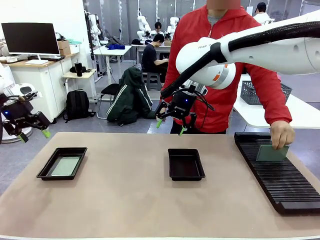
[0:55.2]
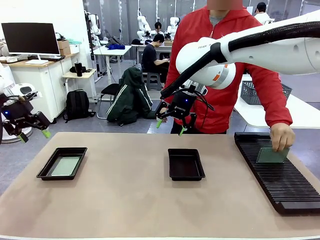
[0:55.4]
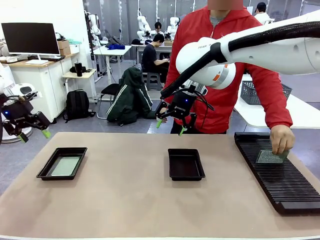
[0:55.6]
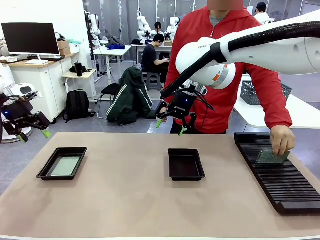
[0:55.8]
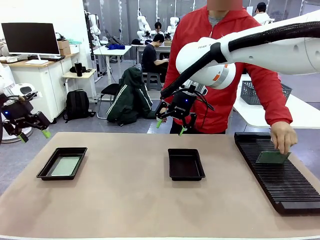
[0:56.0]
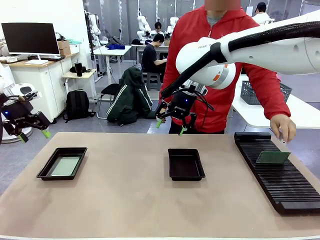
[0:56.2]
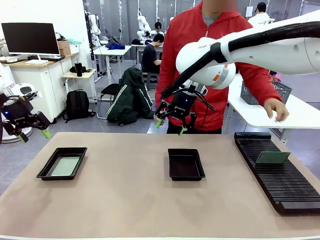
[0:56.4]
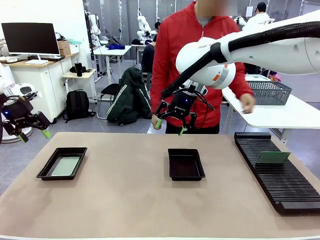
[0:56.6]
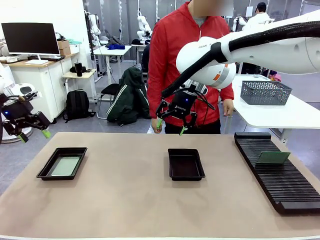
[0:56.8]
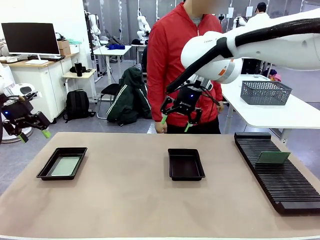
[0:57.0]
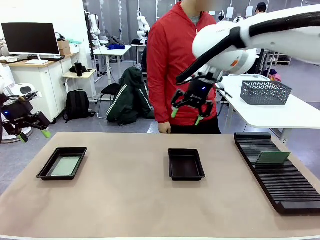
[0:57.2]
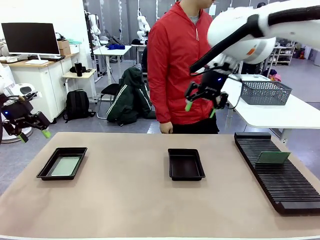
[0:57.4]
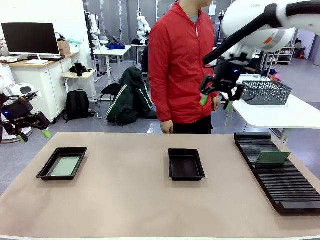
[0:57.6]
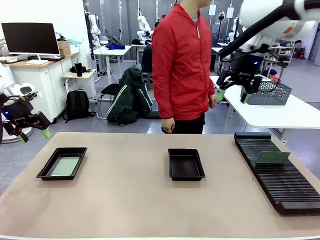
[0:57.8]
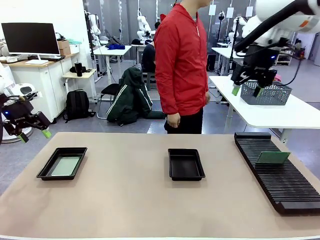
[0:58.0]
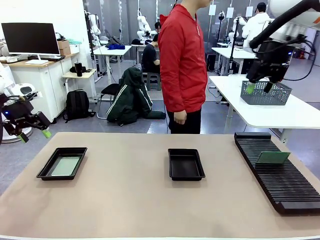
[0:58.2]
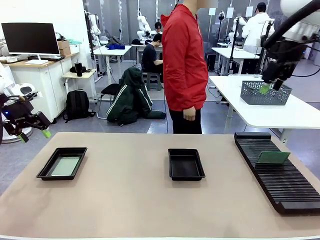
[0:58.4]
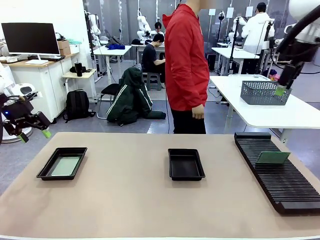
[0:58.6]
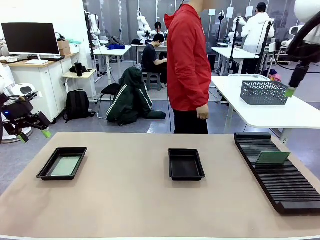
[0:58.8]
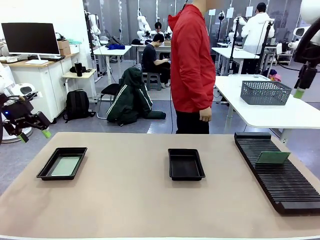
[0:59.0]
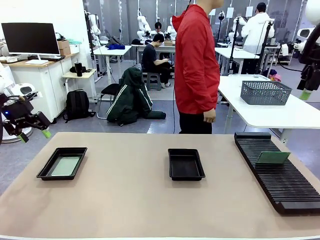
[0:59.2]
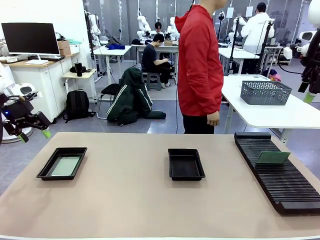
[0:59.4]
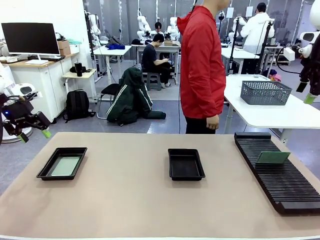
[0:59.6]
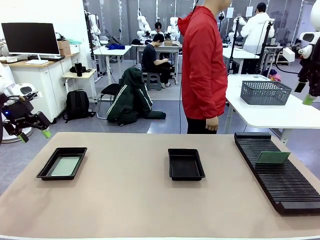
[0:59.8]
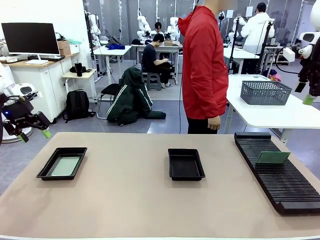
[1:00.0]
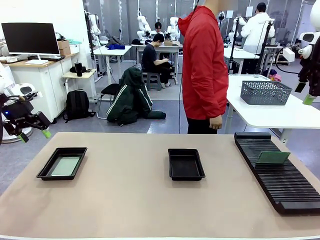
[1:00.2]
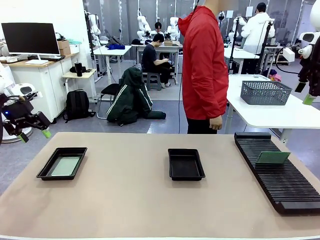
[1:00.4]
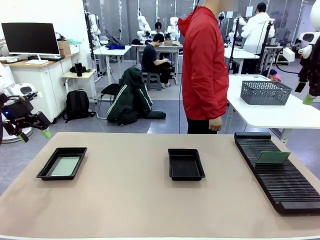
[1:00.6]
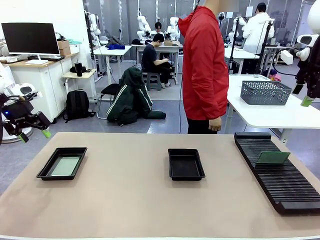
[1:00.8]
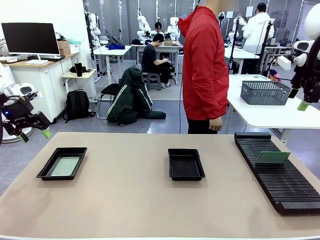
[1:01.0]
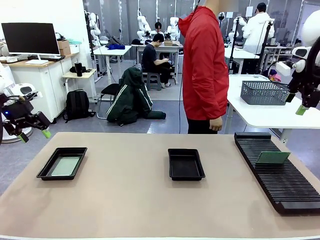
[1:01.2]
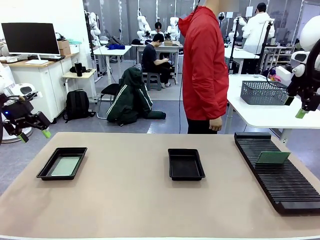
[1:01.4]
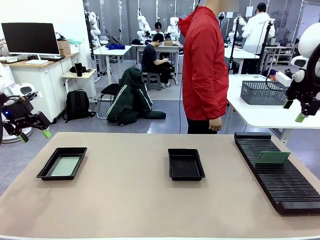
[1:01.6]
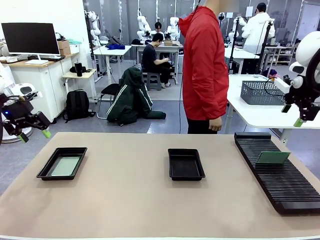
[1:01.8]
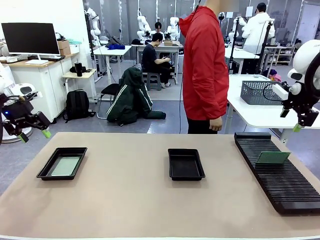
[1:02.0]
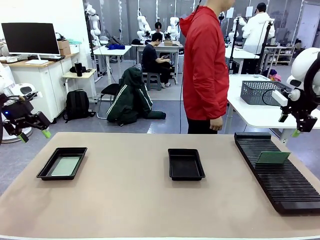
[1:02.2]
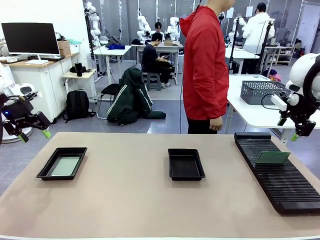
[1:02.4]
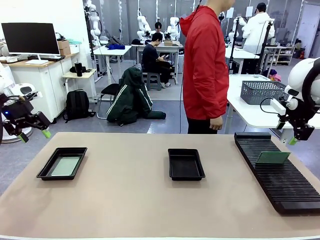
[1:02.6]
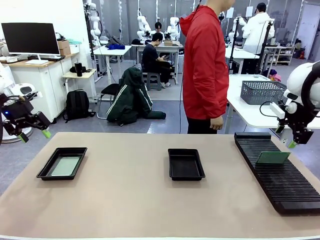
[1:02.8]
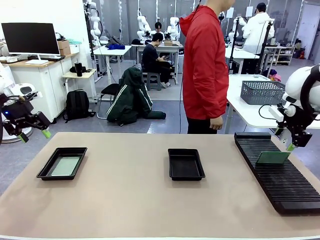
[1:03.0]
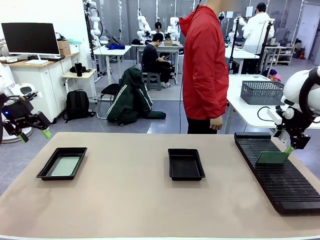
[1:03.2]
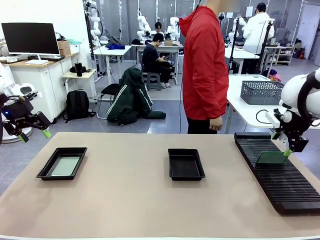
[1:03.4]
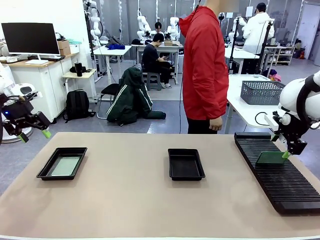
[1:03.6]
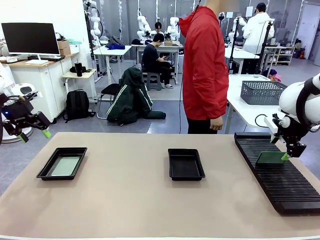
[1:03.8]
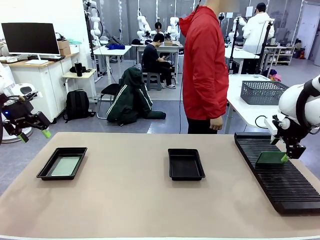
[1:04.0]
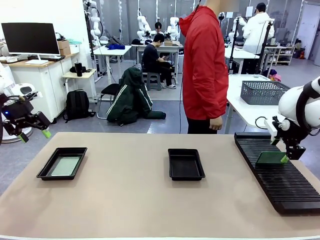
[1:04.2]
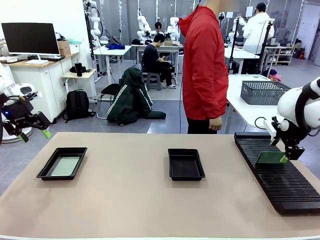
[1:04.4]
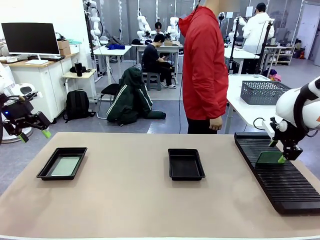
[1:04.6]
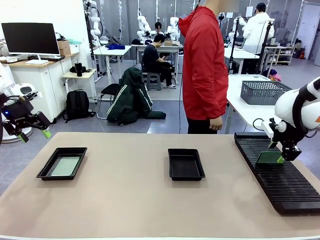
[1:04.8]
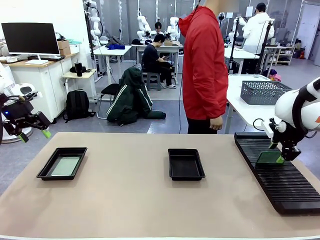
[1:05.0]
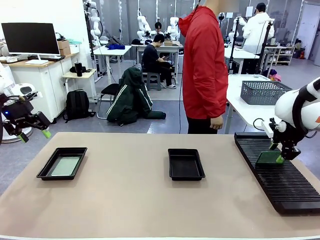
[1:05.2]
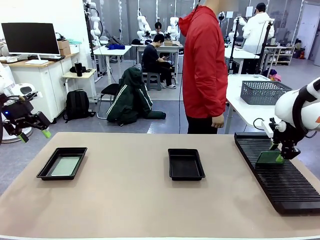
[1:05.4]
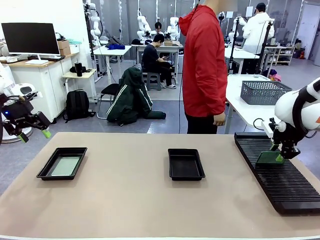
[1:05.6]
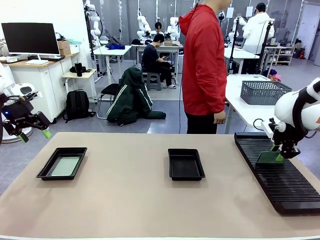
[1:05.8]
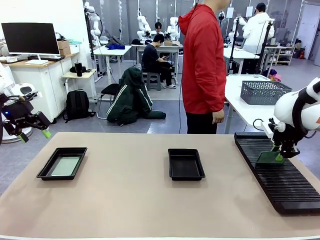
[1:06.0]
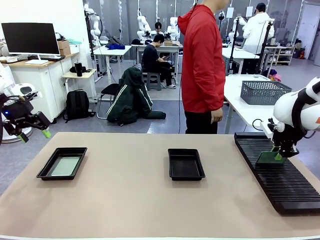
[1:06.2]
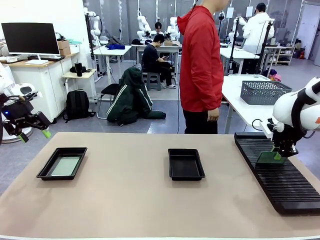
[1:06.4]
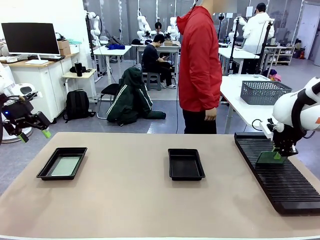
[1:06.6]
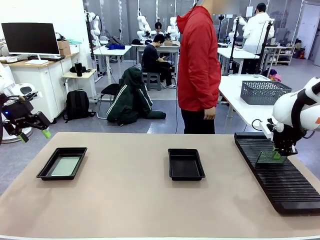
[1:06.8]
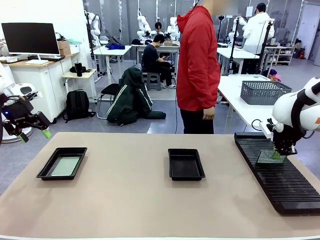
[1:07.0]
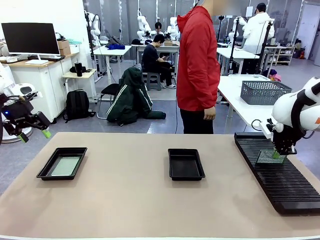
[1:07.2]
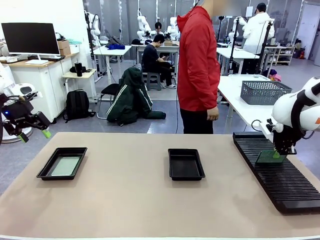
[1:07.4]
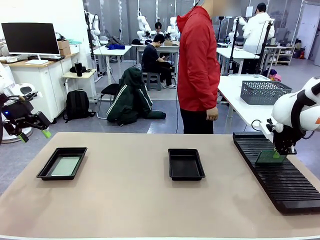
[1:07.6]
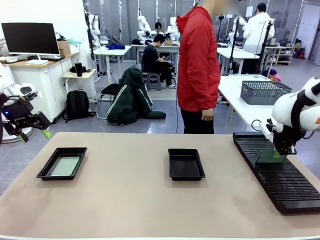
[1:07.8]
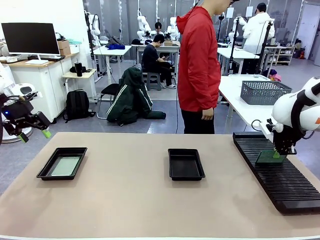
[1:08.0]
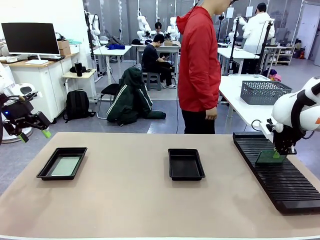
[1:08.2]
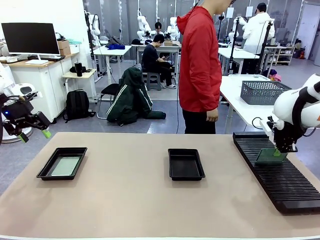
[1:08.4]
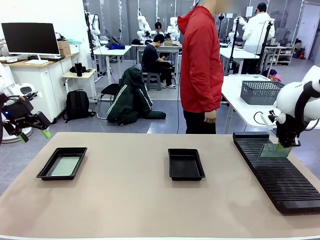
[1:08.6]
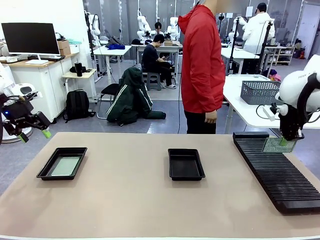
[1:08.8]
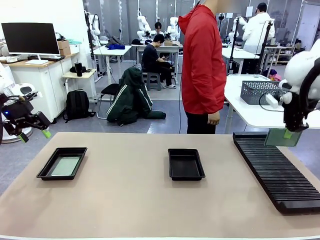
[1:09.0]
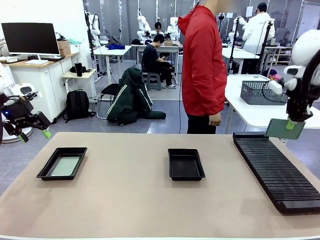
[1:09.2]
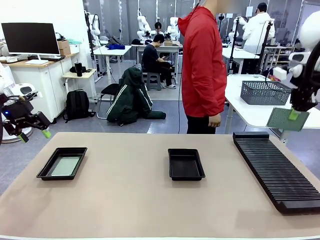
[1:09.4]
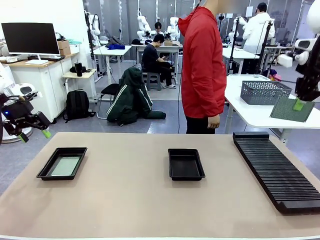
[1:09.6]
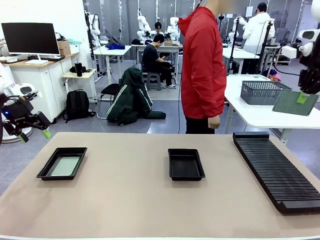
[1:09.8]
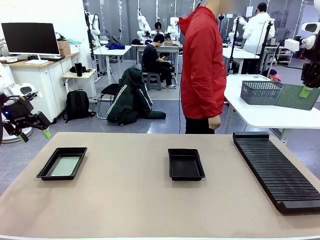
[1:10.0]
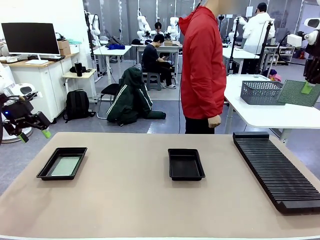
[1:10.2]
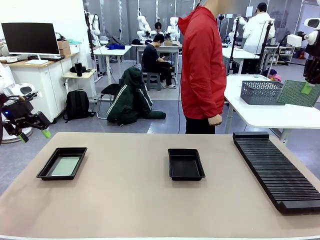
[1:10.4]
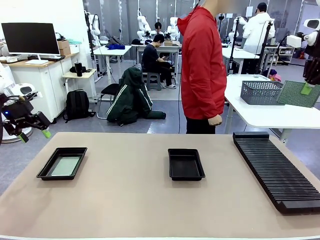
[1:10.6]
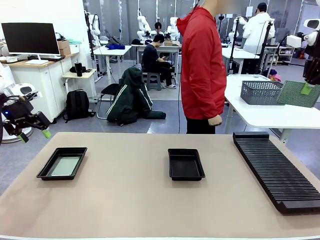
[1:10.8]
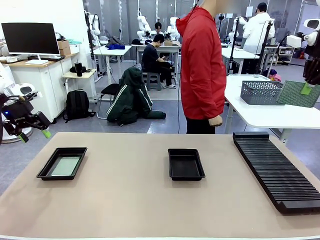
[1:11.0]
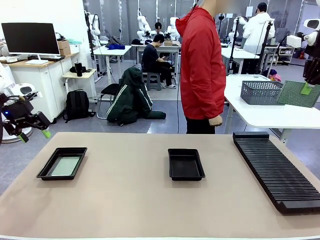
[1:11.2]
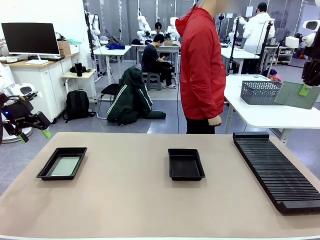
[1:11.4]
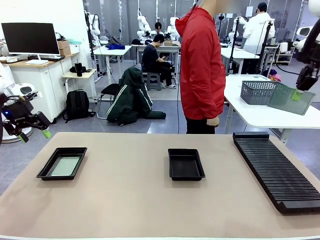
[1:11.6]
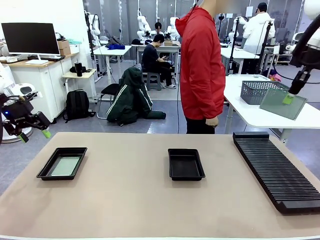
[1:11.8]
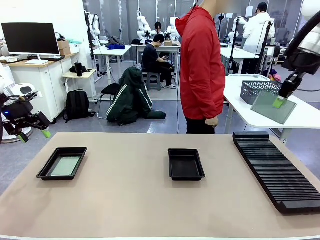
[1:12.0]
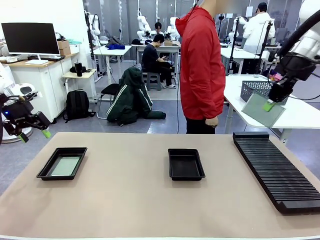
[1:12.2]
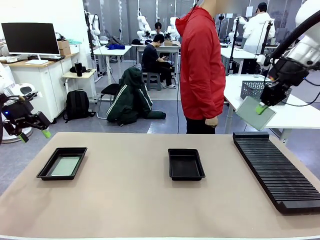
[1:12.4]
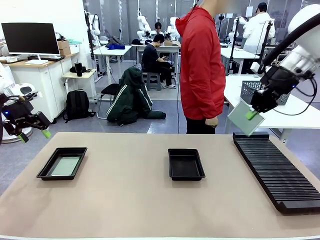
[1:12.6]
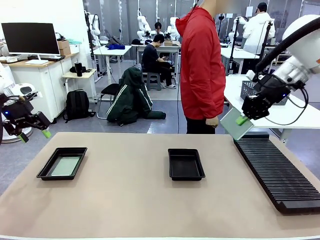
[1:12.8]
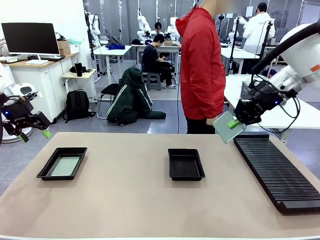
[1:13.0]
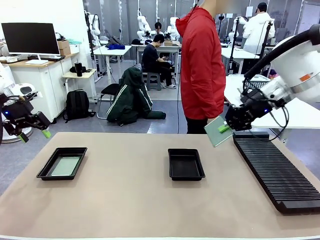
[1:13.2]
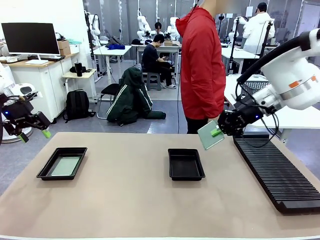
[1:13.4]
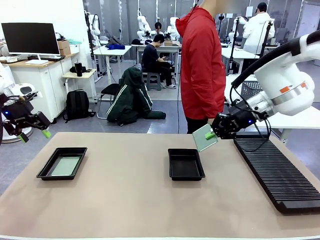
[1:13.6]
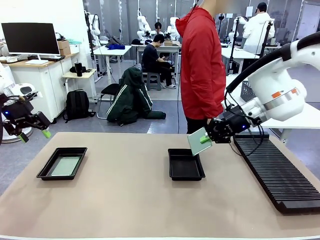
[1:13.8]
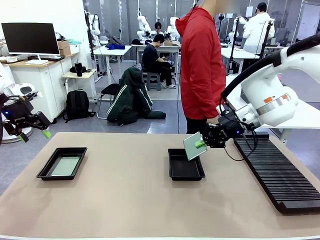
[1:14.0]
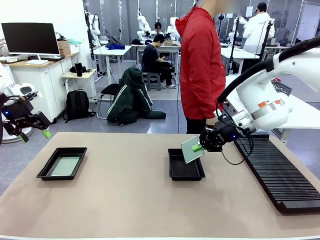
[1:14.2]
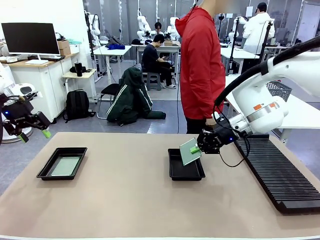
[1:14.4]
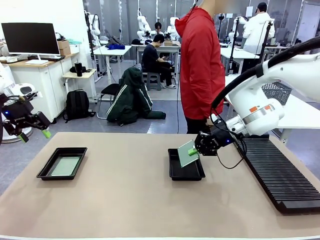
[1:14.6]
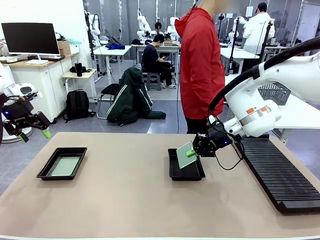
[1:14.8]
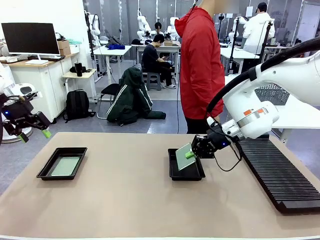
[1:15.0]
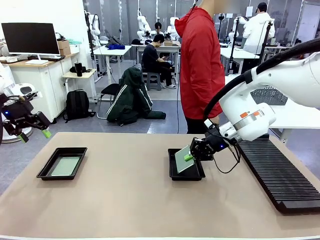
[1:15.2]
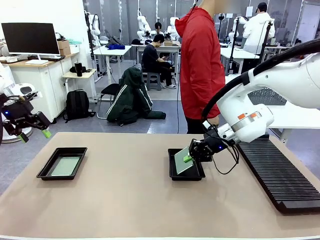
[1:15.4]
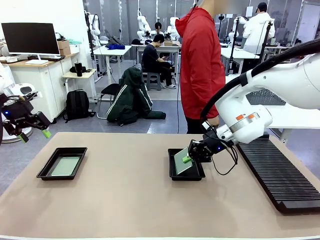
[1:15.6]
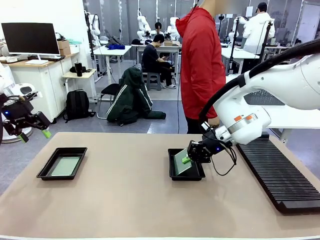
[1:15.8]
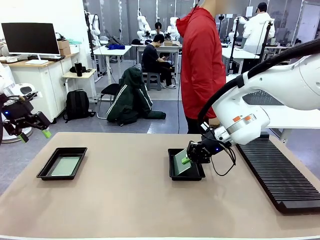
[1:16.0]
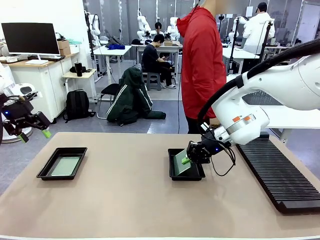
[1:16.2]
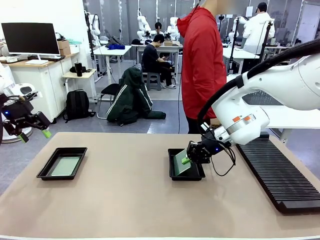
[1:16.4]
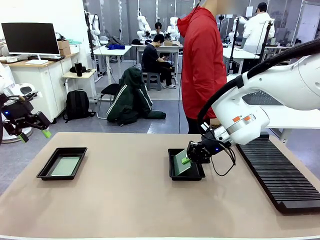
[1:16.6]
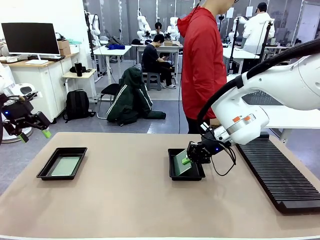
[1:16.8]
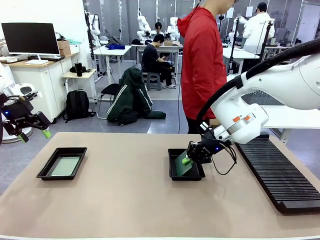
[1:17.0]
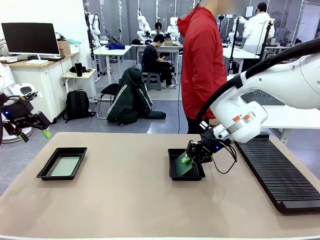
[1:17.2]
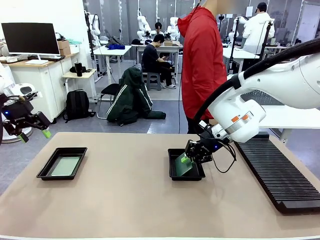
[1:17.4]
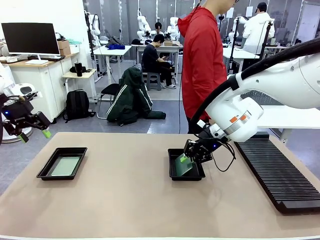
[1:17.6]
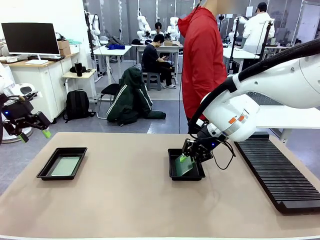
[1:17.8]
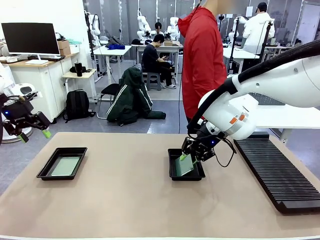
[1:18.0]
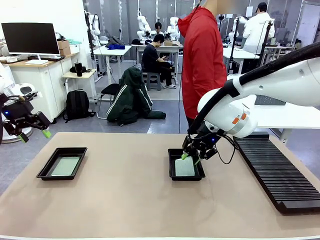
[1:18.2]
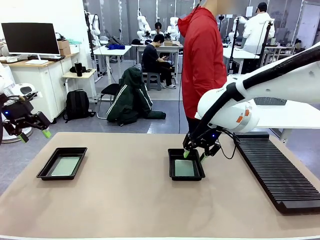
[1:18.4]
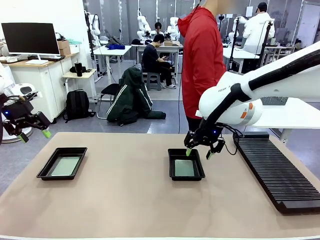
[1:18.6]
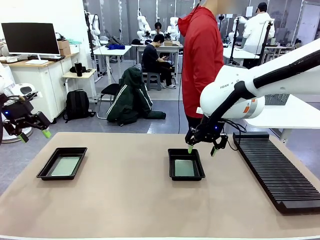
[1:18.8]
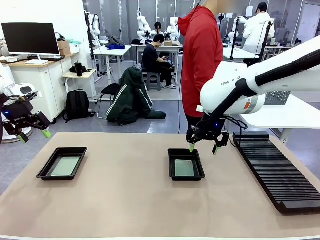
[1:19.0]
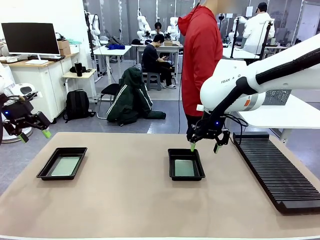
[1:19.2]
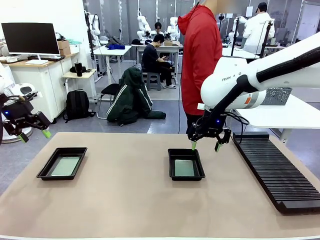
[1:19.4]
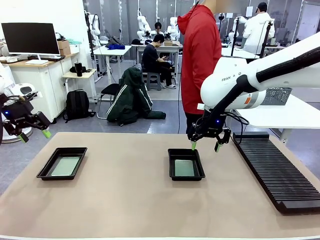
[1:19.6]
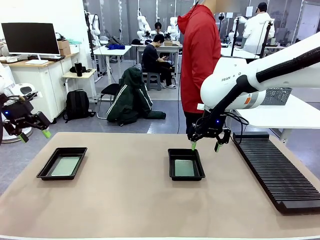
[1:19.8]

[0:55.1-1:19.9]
Task: Inspect and transfer BCBs to ESD trays.
Robot: Pick up the Blank PCB from the PCB Rack and place it in the right ESD tray.
